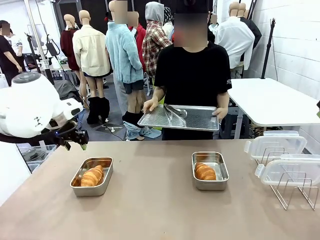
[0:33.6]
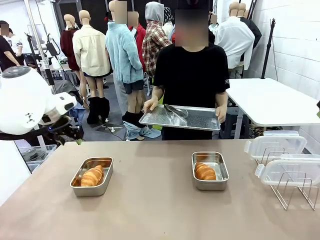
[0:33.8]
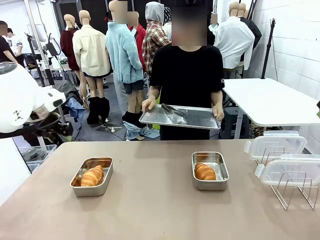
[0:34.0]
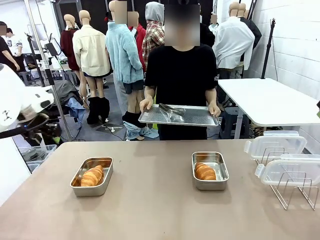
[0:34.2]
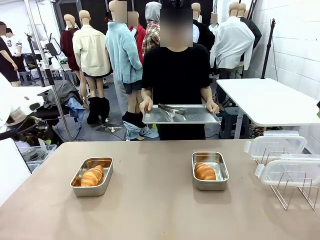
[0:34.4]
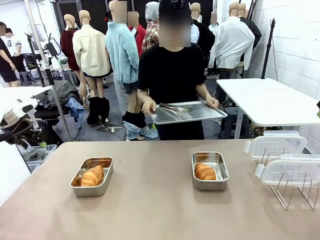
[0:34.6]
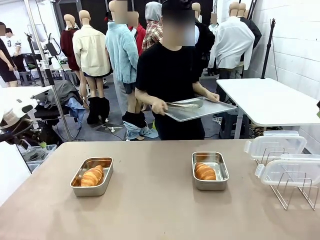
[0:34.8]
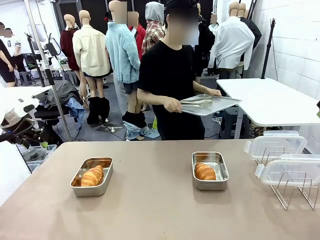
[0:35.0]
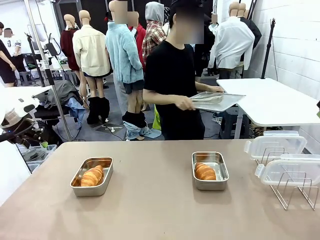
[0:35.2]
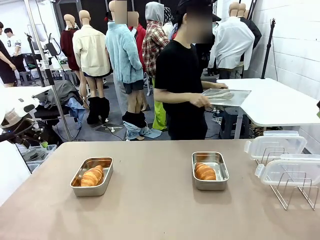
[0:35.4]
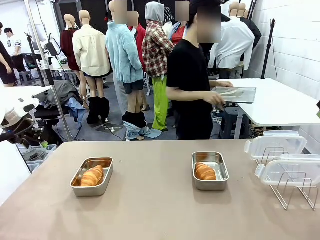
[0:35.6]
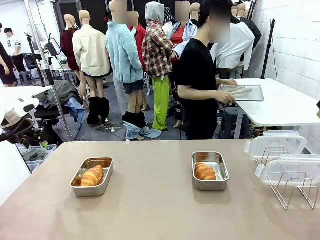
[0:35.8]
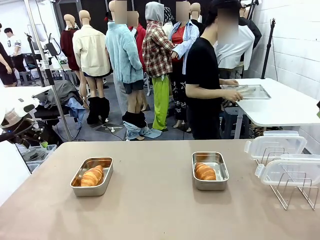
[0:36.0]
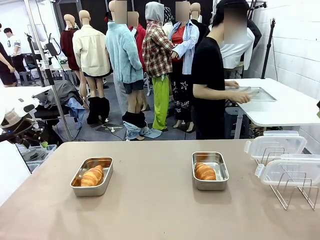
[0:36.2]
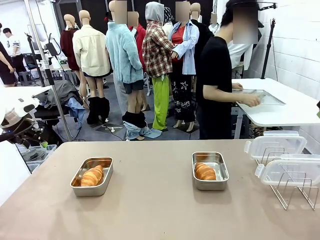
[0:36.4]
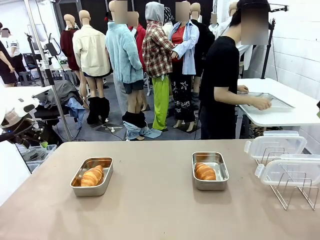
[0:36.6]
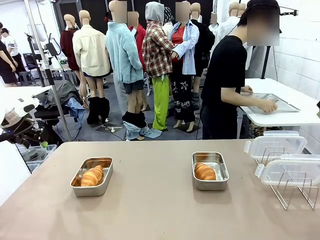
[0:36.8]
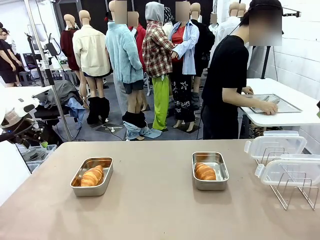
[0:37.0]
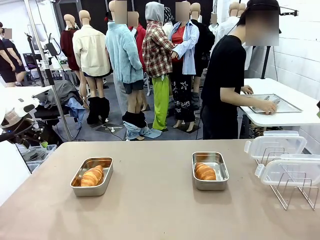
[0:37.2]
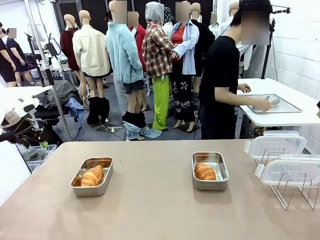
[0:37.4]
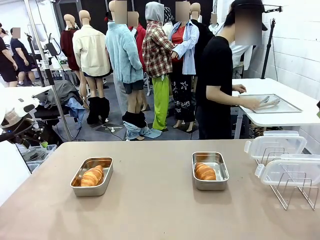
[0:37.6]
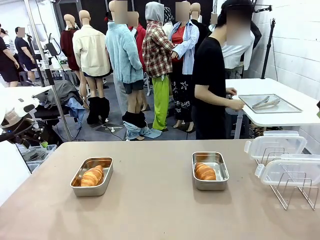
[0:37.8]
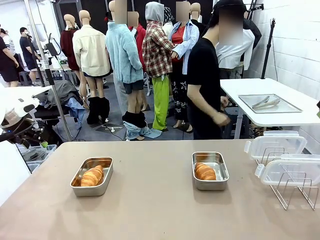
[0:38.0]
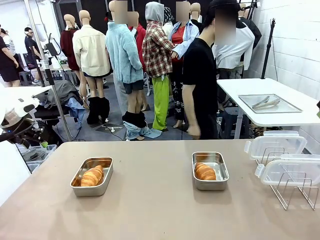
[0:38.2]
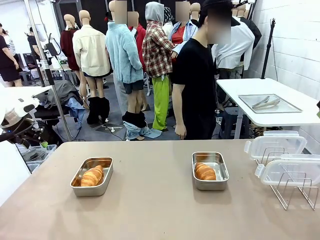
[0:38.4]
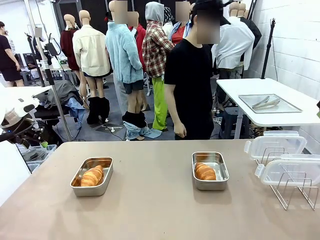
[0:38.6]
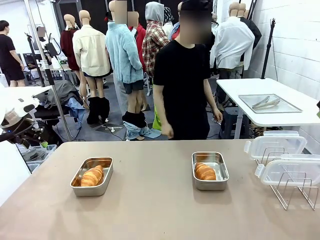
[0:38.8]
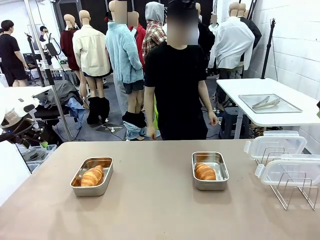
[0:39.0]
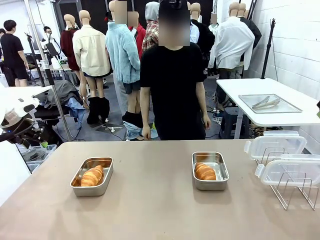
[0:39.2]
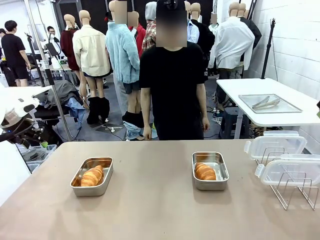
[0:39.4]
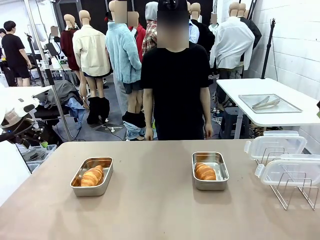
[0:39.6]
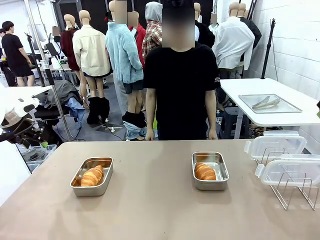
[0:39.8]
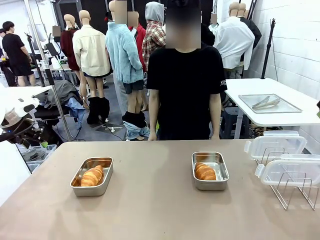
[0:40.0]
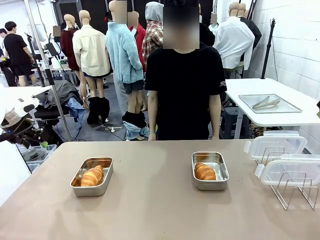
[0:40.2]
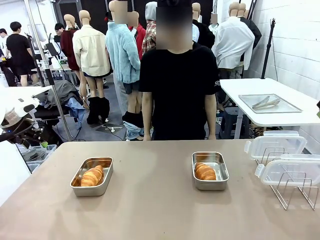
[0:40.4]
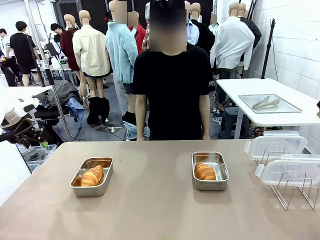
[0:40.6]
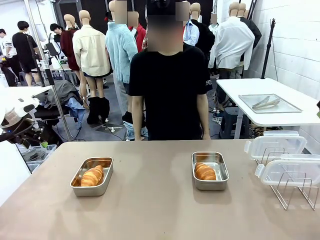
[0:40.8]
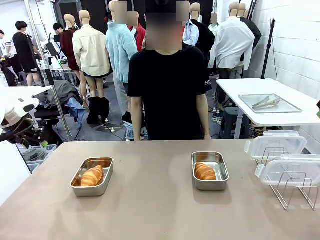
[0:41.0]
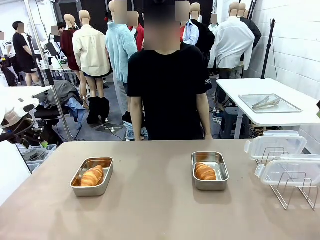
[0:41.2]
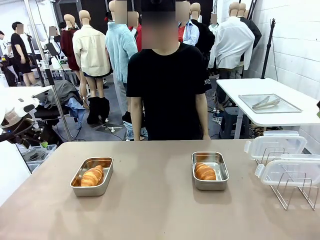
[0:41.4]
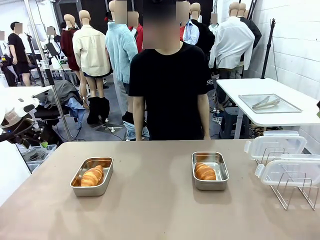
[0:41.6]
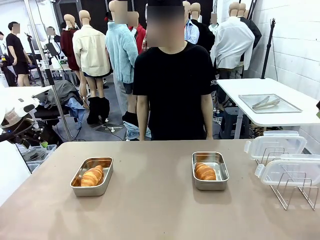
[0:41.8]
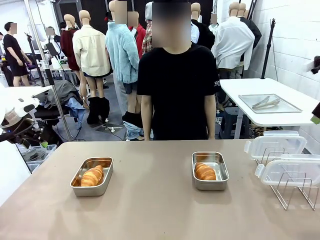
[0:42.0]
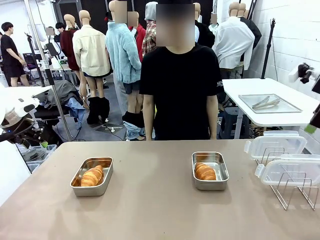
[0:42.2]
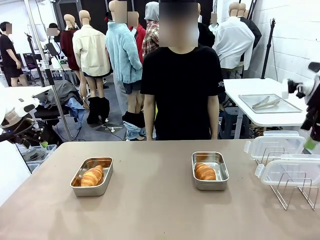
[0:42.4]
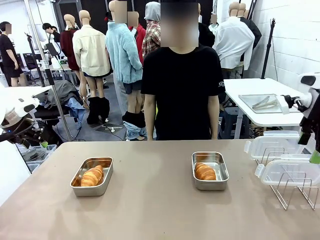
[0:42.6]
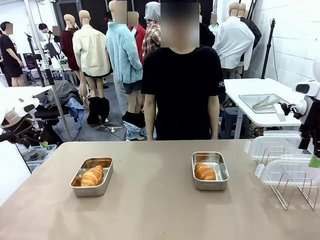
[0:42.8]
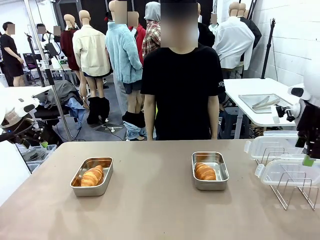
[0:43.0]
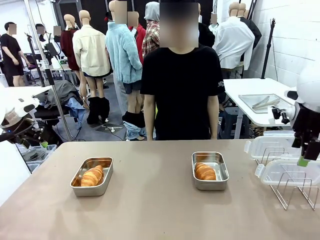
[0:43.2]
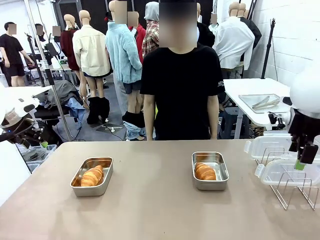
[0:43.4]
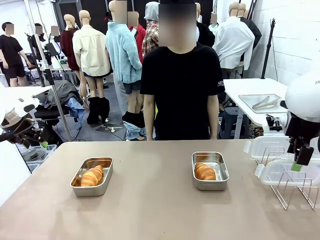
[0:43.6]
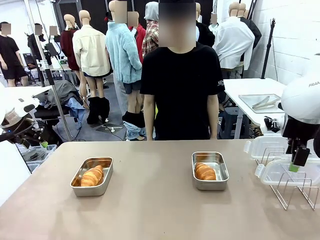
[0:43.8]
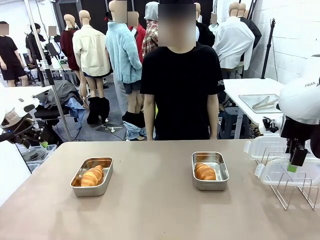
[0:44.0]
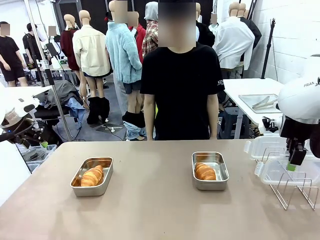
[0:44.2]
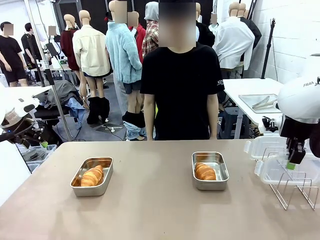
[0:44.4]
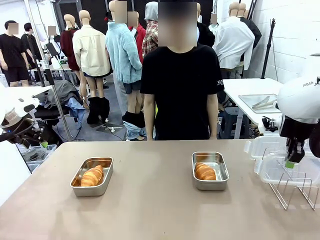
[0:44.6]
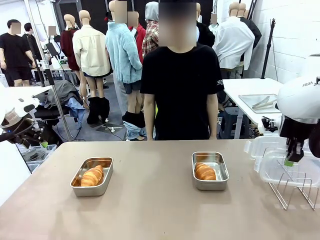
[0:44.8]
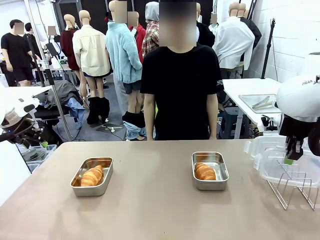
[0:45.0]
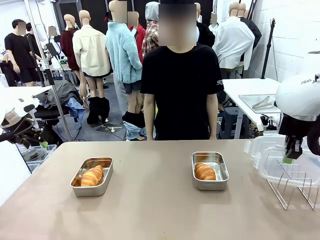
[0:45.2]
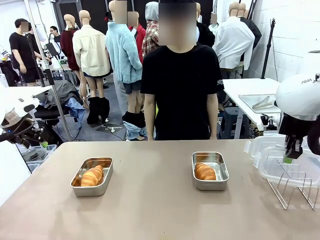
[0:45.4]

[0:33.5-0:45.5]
Task: Place the bread in airtight containers.
Robot: Pick up one Airtight Container lid and hand it to the human.
Person: Place Baking Sheet on the Human's Table.

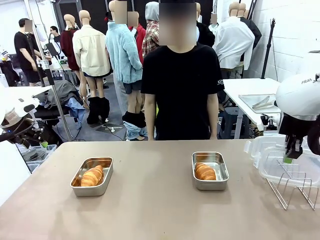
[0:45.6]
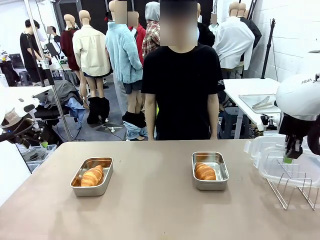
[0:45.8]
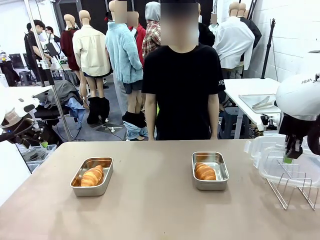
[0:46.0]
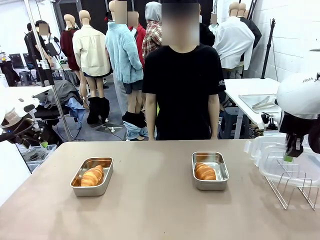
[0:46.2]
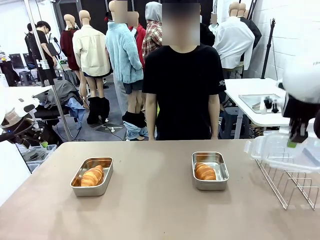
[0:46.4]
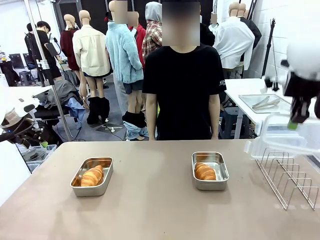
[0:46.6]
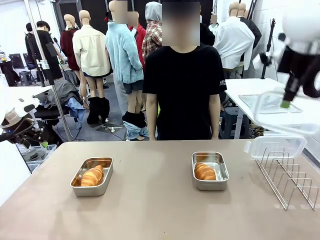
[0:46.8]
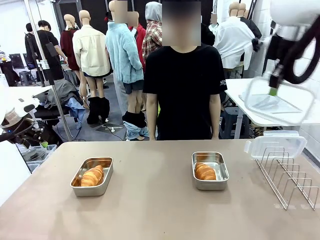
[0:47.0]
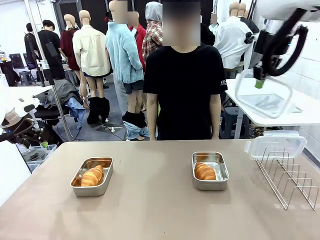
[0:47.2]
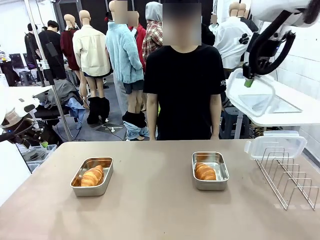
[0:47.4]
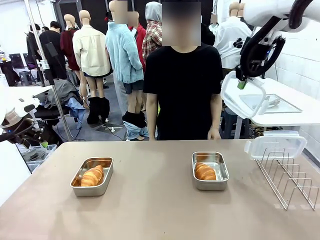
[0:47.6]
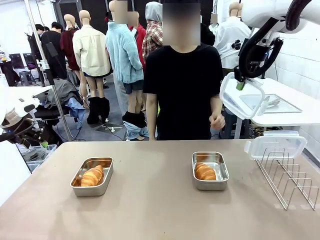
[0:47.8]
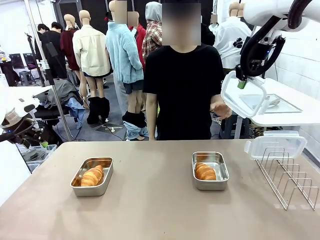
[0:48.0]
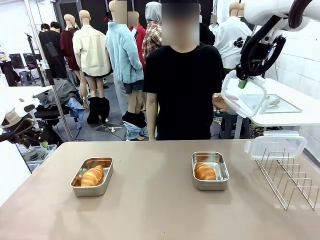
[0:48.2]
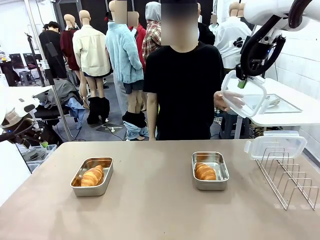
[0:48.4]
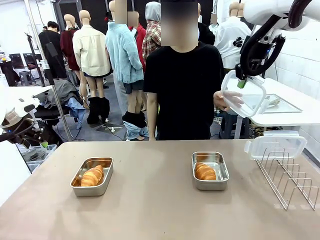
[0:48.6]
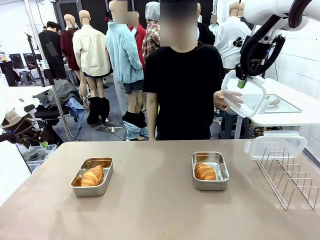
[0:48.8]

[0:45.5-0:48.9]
Robot: Release when the human grabs the Airtight Container lid.
